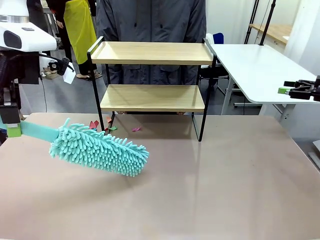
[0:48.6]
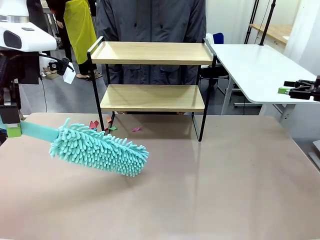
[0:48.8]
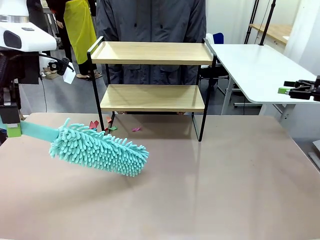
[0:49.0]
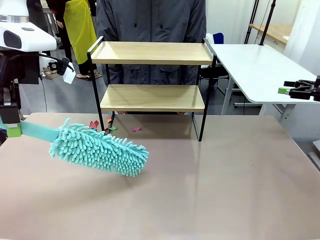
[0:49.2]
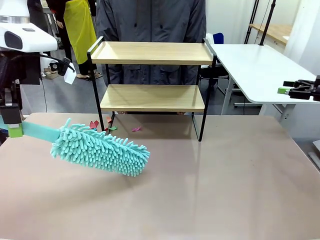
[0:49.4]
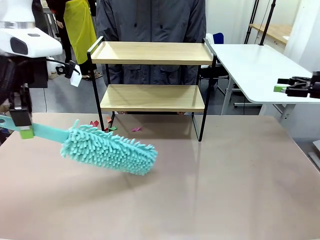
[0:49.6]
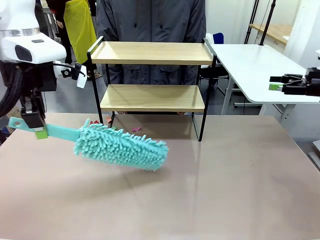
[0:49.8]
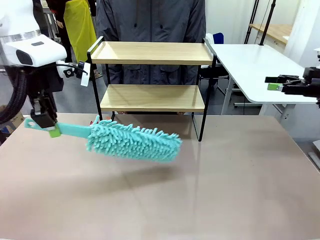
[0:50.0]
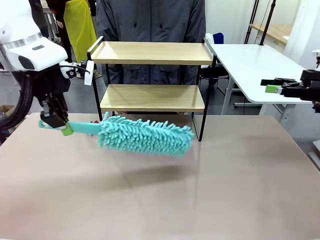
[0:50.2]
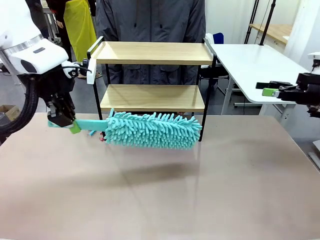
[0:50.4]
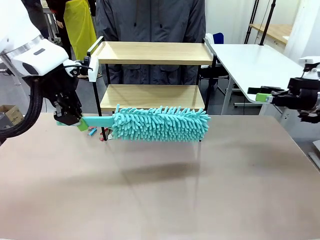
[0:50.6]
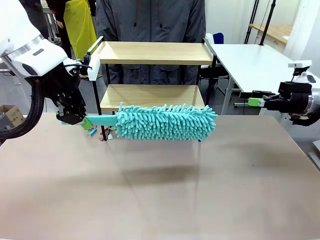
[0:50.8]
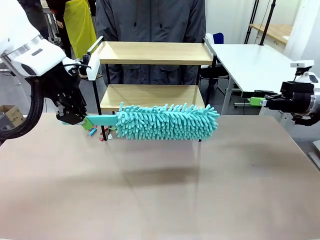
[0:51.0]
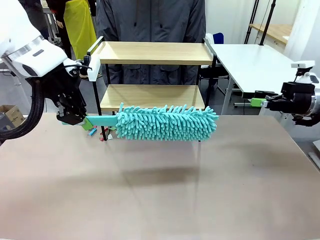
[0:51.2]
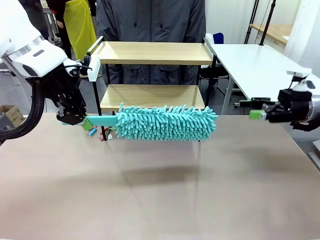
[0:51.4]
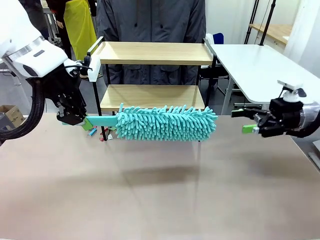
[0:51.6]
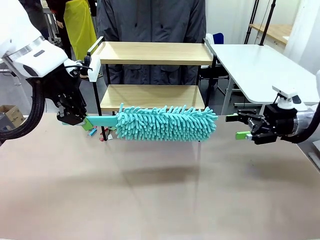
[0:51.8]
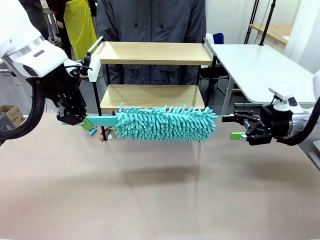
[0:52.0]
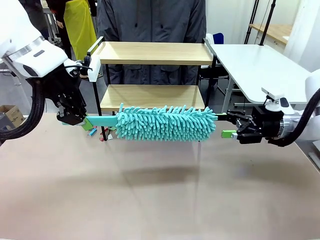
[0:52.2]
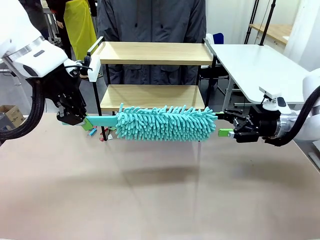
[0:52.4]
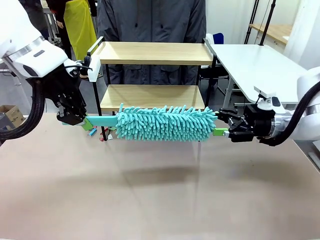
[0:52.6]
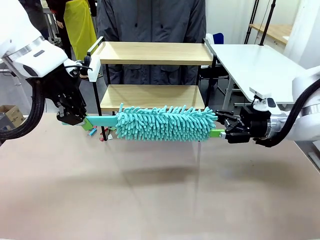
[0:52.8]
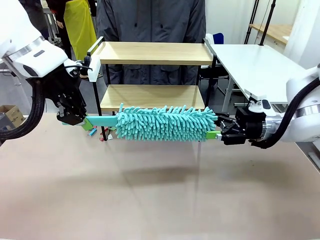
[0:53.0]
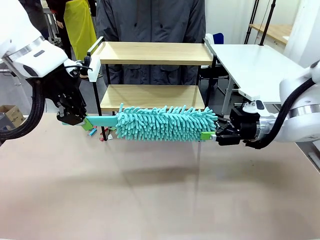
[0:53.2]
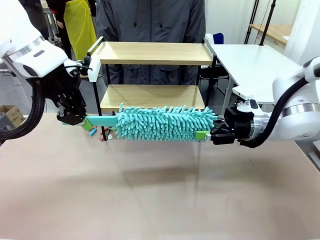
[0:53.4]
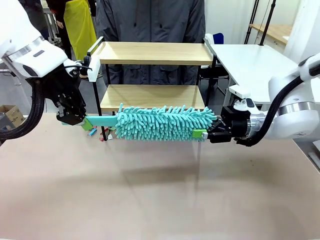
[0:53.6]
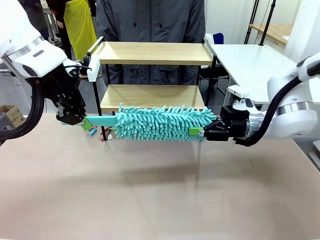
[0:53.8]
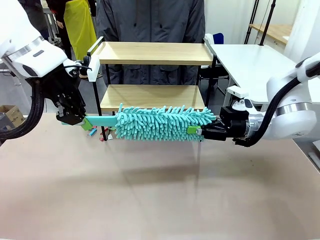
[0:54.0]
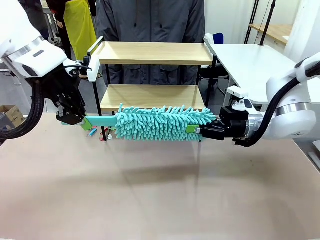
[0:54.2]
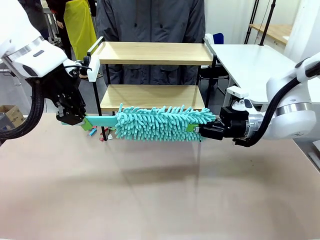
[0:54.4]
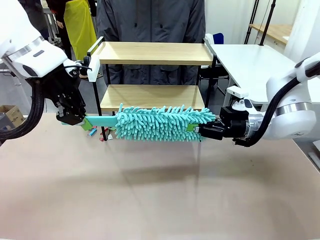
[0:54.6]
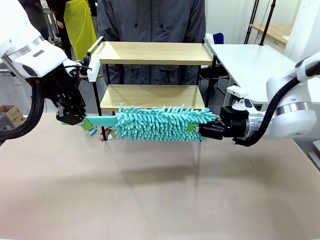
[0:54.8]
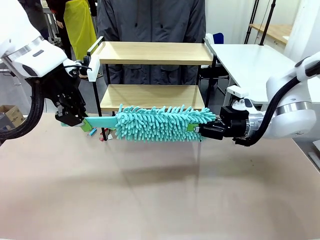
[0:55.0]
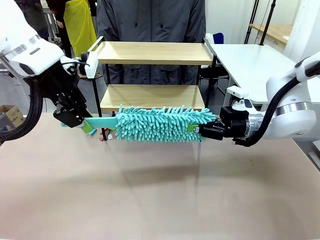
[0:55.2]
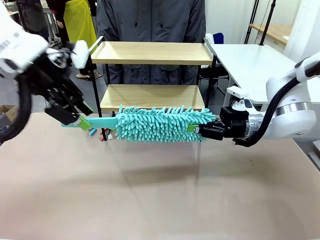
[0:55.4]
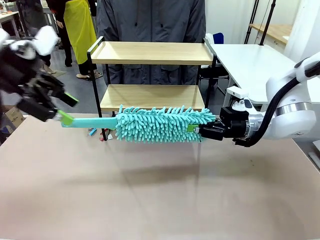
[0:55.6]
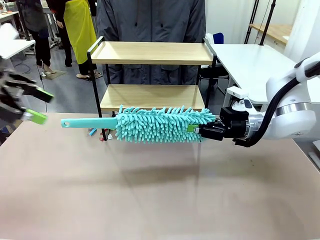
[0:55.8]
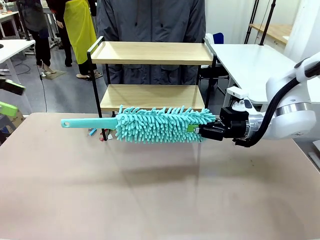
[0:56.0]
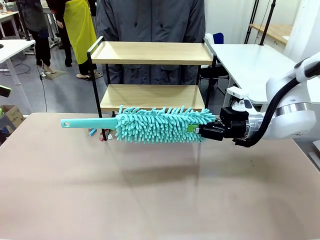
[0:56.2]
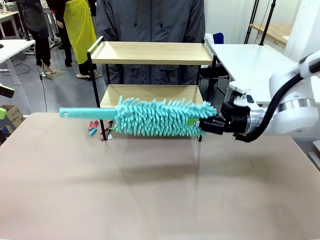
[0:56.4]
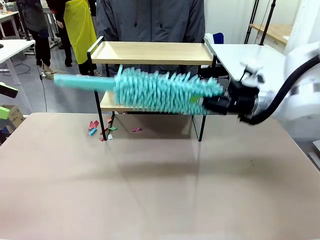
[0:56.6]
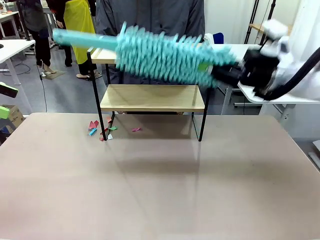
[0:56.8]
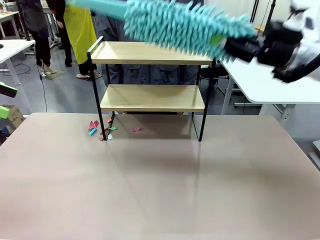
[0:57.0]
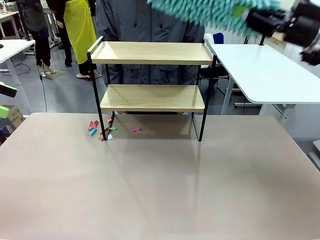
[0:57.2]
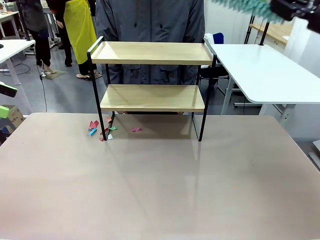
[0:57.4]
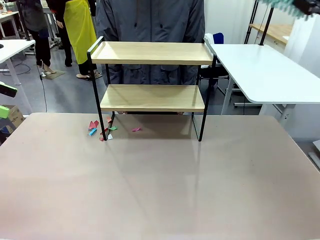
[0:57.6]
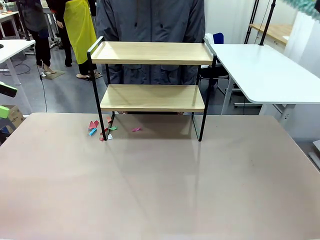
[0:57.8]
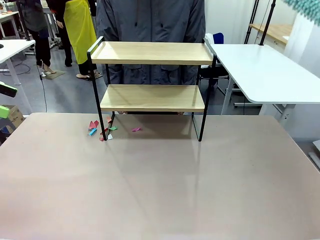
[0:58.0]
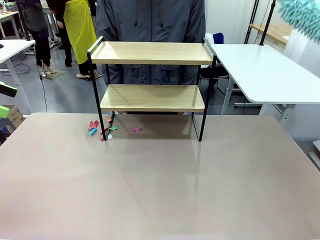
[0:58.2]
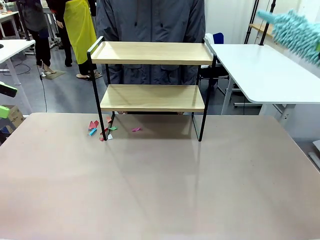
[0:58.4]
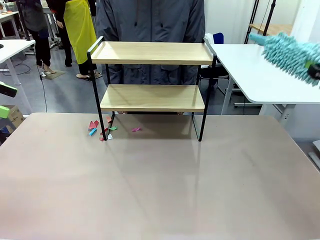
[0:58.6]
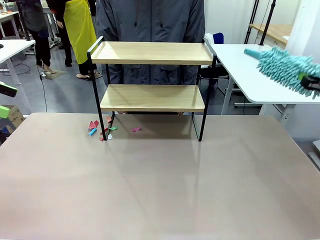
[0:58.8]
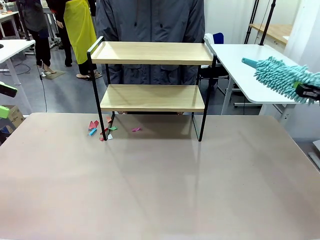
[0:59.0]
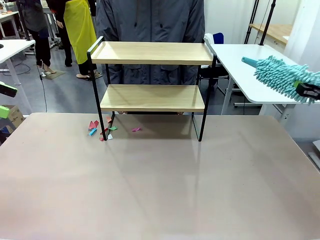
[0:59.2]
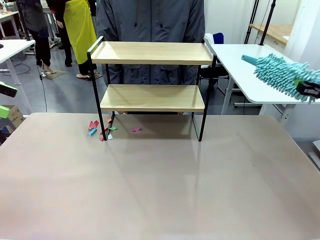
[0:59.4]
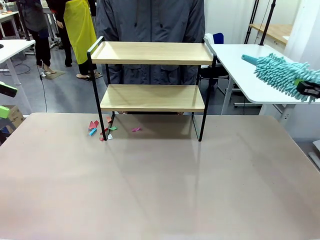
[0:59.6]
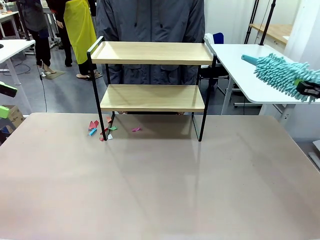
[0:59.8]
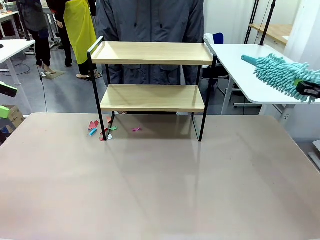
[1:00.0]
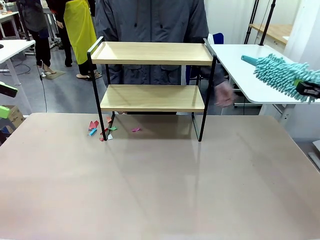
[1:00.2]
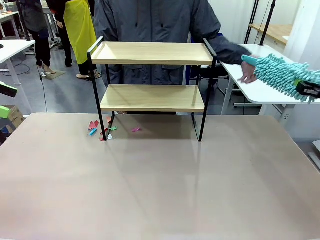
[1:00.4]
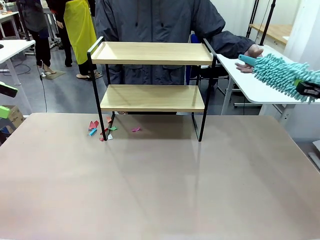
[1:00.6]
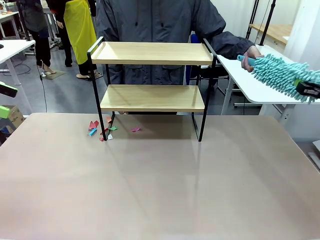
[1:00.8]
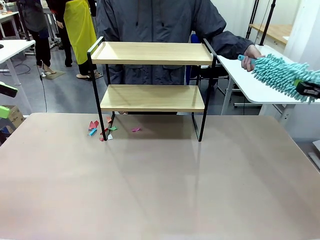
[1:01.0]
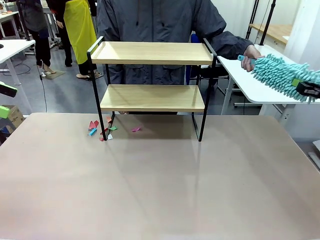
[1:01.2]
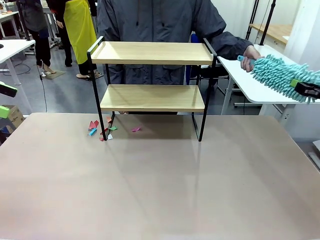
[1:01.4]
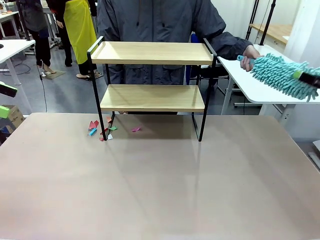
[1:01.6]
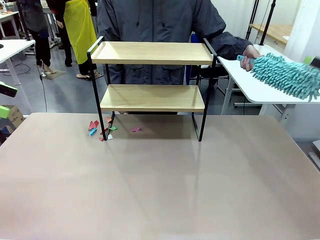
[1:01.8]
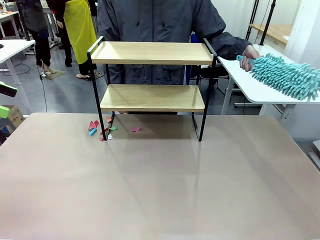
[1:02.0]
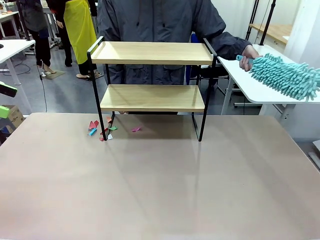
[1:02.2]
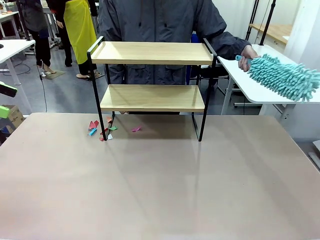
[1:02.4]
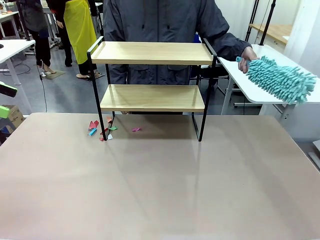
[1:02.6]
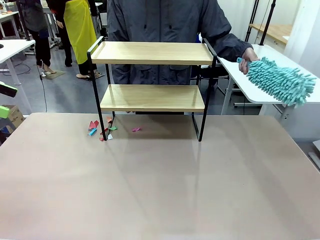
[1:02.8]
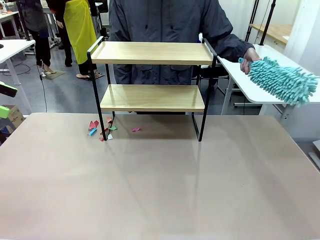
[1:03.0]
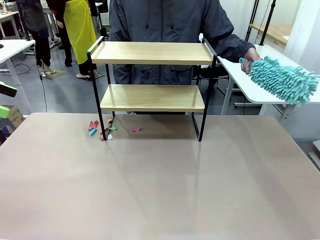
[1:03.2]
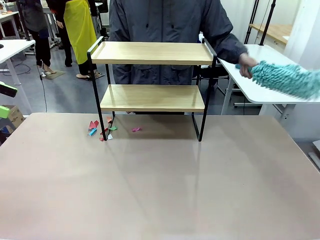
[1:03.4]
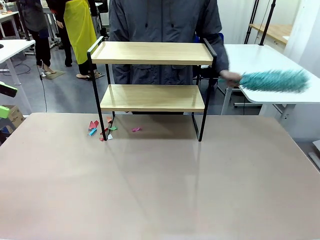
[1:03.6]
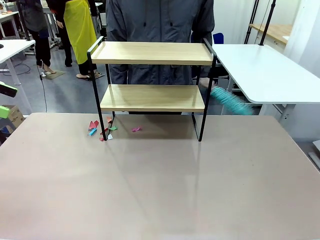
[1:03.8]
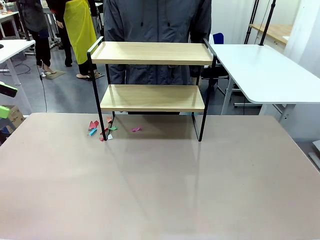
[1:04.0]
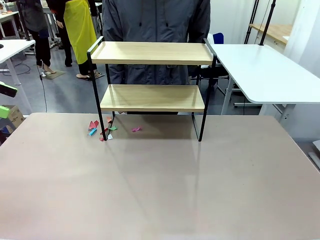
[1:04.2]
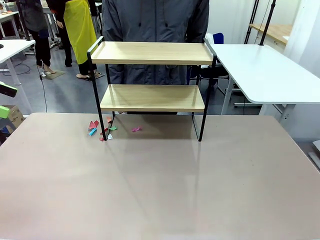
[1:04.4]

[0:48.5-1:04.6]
Task: Clean the shelf.
Robot: Hand the Duster back to the human.
Person: Receive the Duster from the robot.
